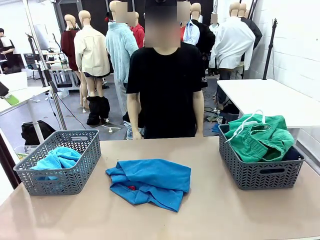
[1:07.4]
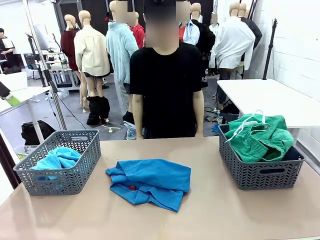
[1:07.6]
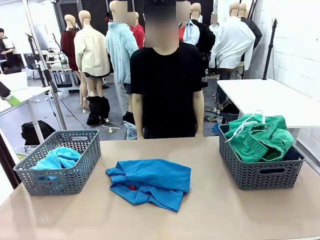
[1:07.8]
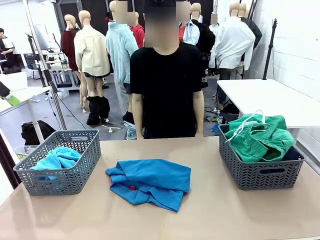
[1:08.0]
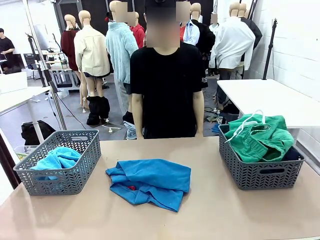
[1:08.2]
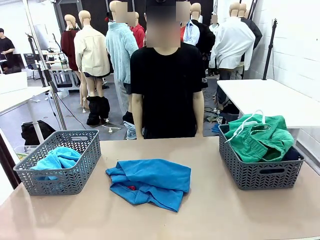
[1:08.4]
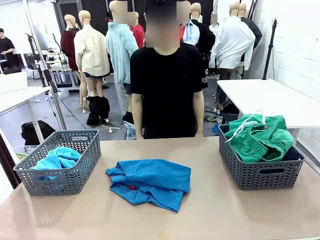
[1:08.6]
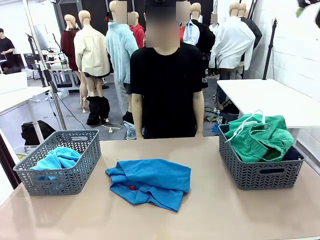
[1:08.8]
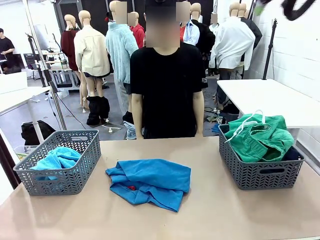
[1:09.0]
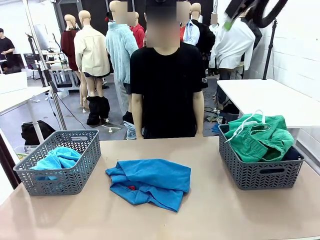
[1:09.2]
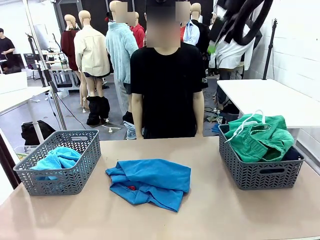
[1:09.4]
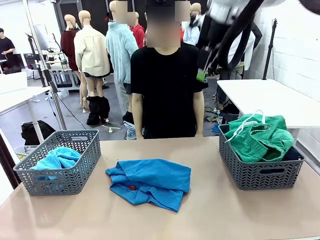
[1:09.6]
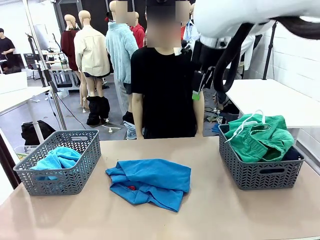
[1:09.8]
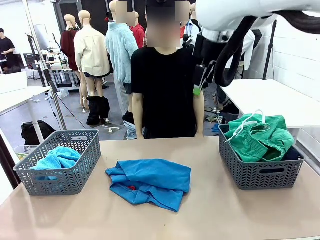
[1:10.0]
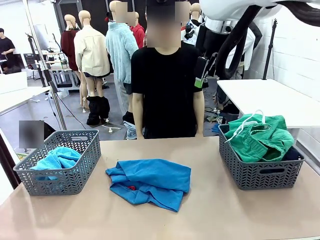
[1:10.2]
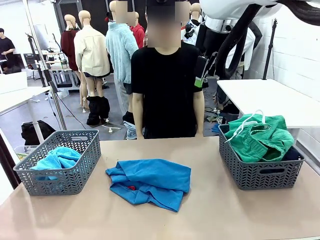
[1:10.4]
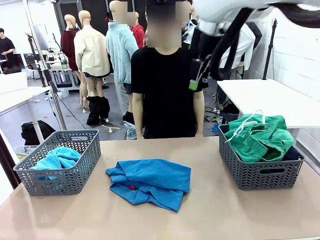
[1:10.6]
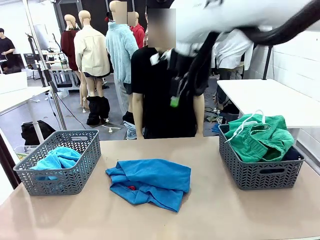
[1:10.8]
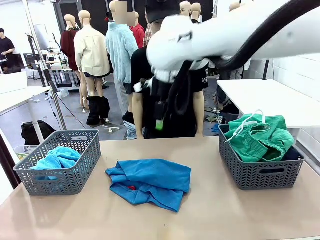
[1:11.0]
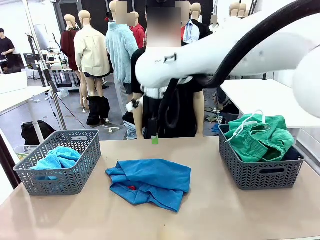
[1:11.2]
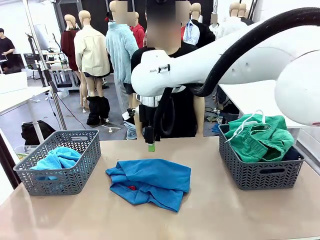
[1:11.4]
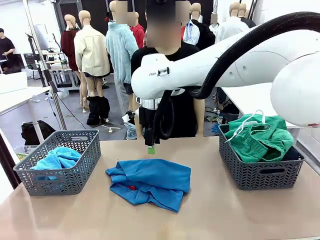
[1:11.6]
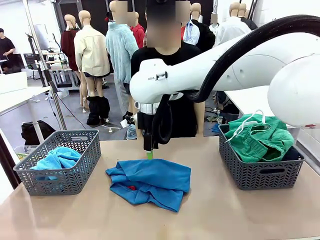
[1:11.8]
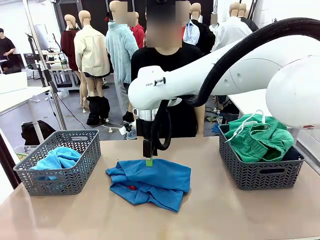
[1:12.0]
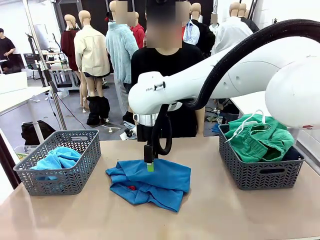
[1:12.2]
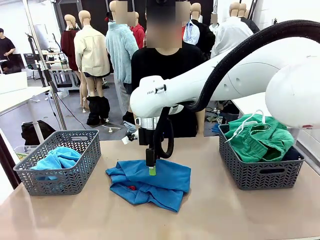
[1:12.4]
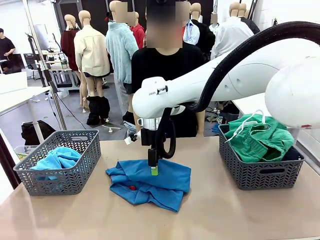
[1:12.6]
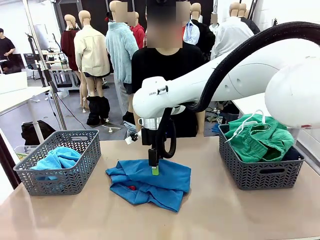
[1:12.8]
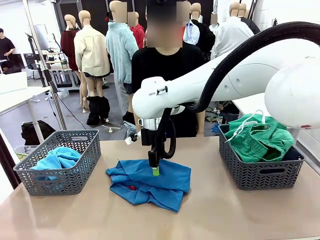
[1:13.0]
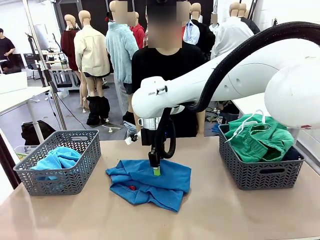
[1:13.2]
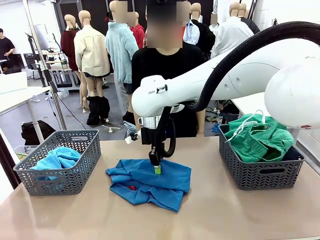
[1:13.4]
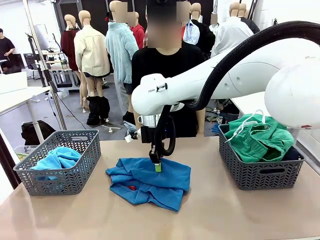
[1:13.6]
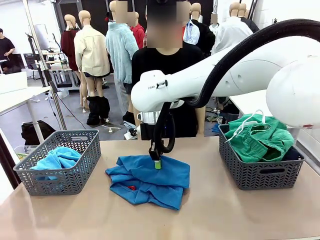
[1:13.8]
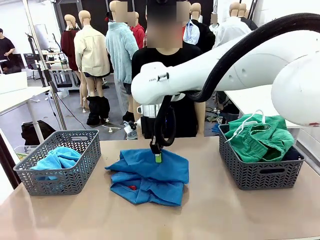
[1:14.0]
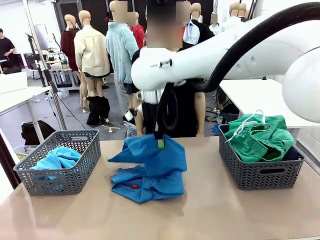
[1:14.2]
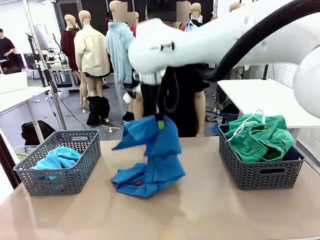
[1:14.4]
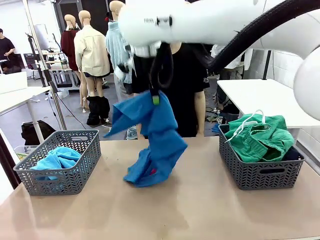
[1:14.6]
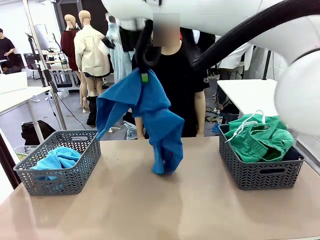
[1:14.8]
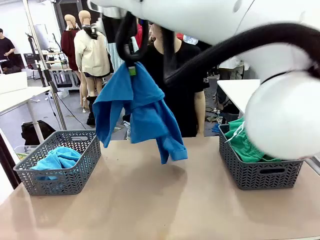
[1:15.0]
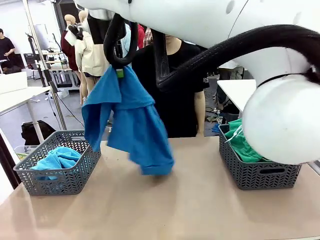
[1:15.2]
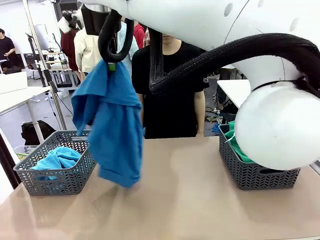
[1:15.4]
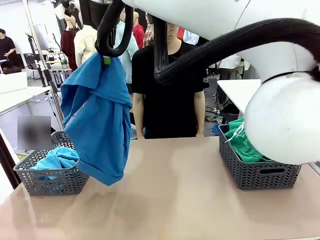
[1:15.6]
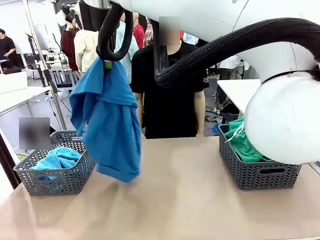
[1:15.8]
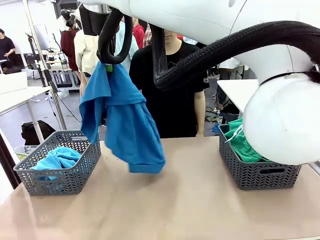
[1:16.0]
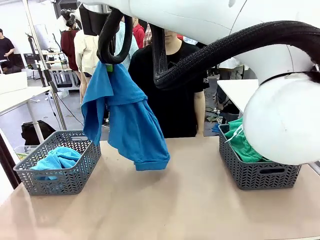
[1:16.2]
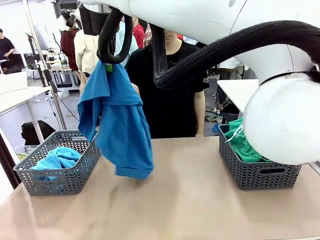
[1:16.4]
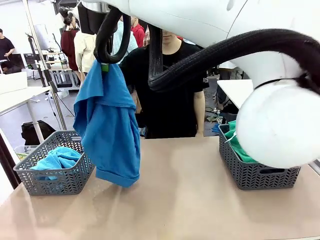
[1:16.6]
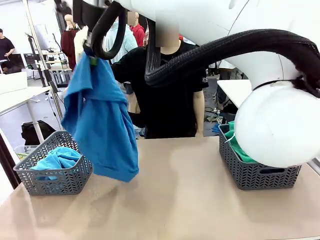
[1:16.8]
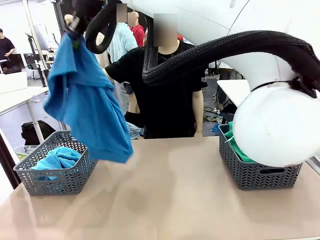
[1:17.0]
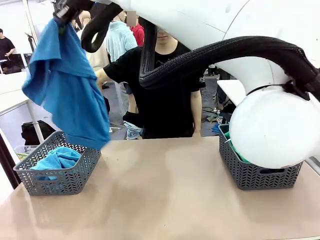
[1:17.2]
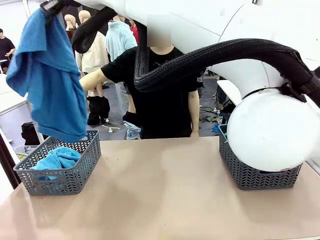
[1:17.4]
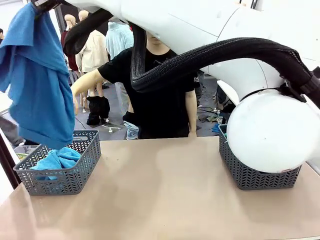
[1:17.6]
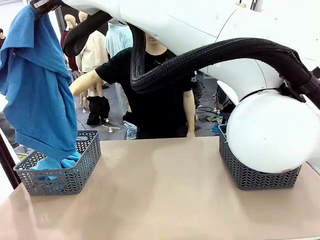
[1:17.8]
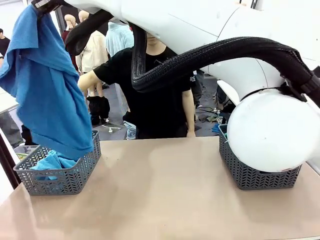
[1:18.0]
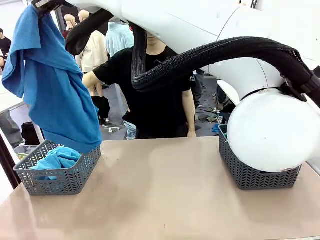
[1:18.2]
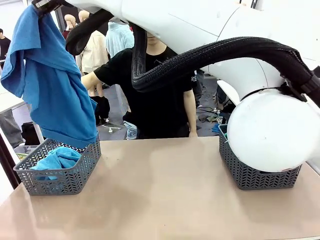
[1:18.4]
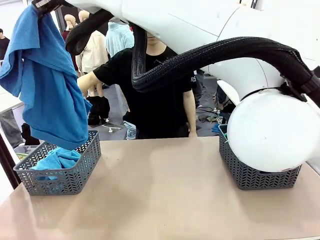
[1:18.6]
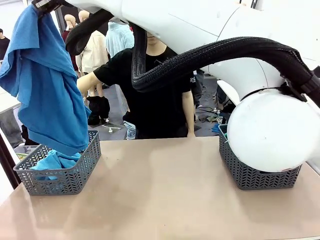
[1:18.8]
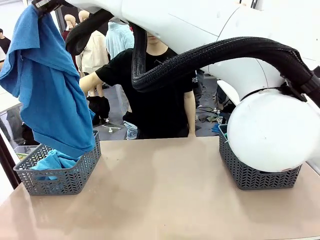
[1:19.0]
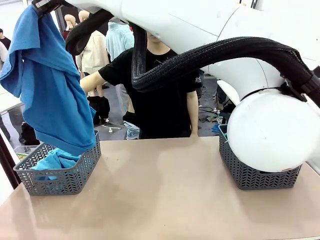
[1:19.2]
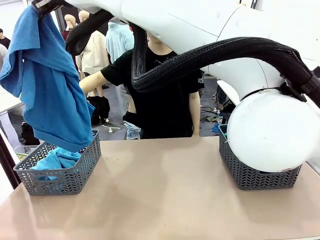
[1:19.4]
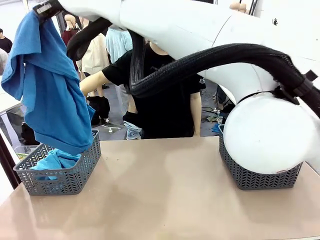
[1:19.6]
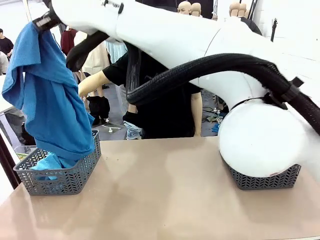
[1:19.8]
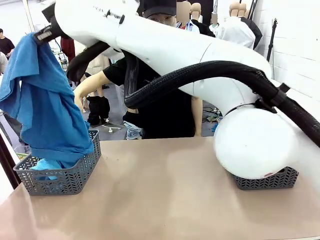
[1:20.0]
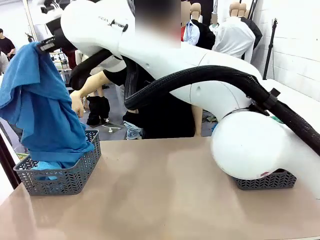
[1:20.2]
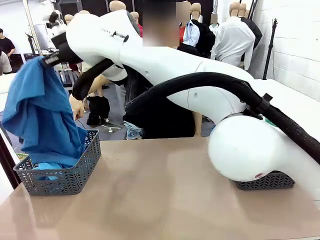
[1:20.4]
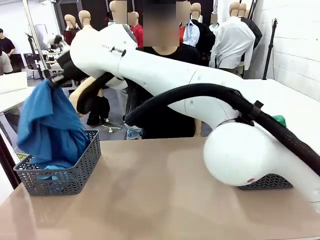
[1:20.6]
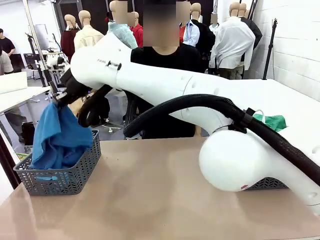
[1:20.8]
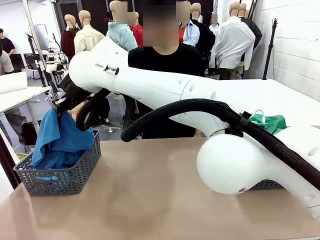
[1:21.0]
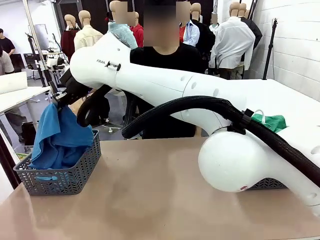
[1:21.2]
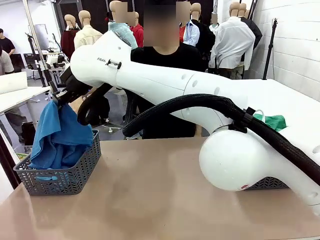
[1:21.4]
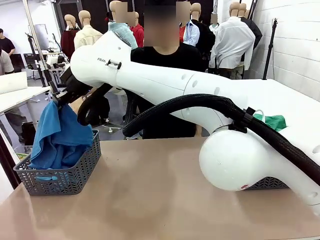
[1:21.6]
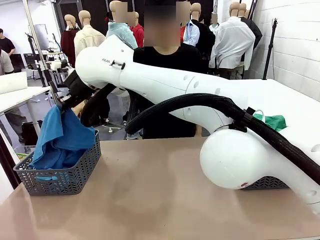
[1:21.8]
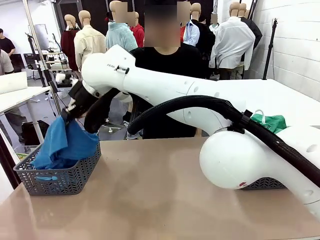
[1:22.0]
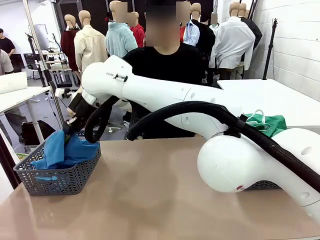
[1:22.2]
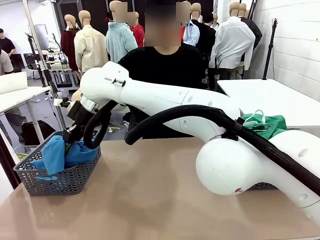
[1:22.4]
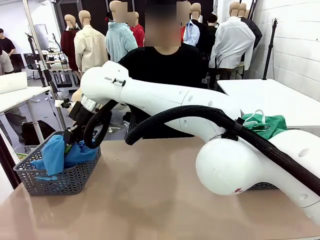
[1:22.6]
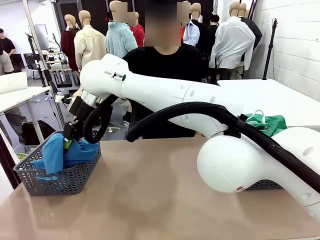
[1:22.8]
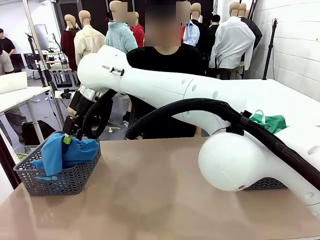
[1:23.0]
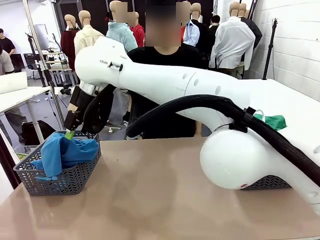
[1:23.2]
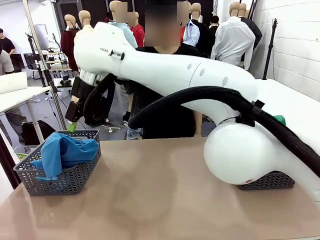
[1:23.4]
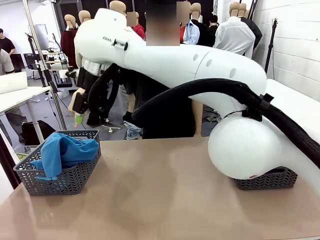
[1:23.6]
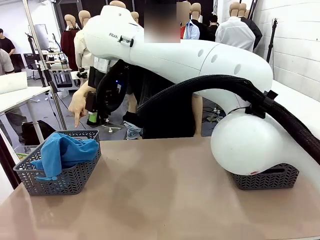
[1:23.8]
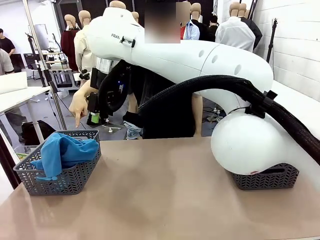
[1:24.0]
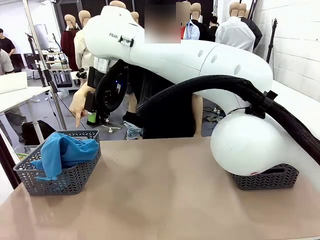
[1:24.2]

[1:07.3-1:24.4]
Task: Sort the tops and bottoms.
Robot: Lift clothes from the center of the table with your right hand.

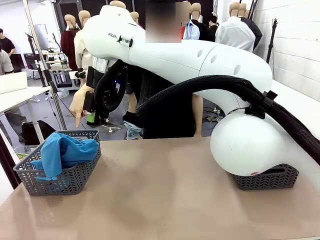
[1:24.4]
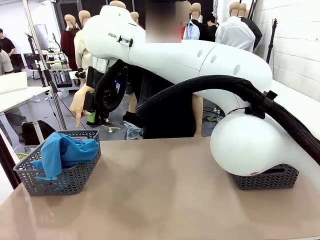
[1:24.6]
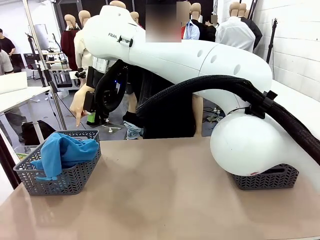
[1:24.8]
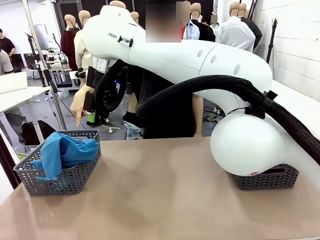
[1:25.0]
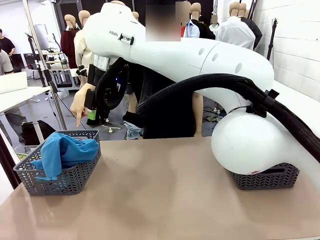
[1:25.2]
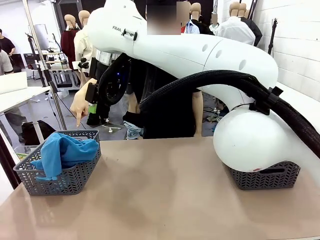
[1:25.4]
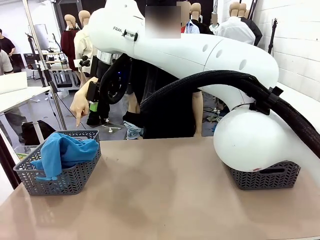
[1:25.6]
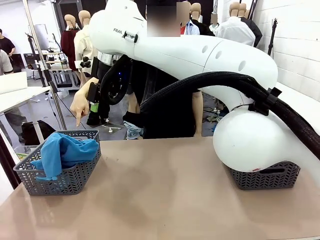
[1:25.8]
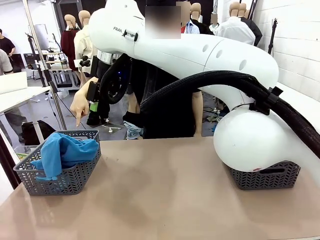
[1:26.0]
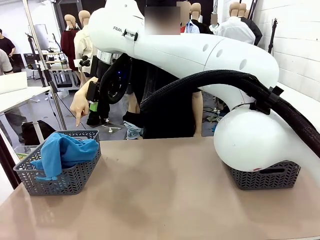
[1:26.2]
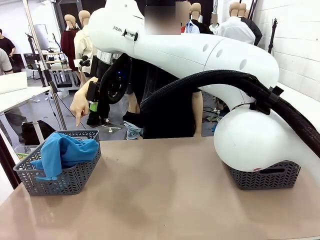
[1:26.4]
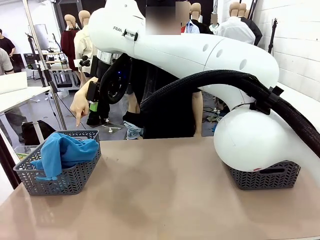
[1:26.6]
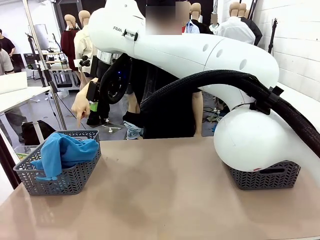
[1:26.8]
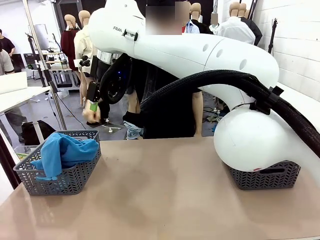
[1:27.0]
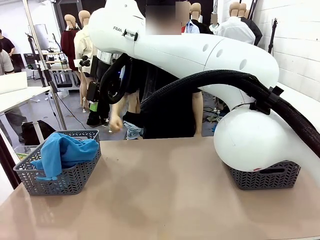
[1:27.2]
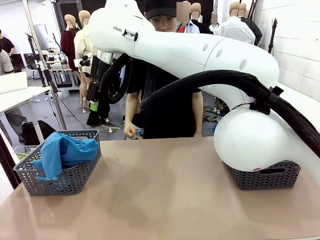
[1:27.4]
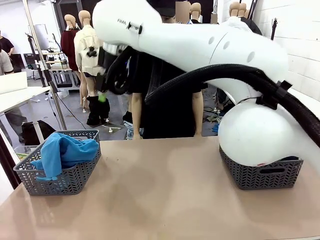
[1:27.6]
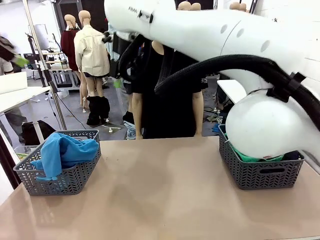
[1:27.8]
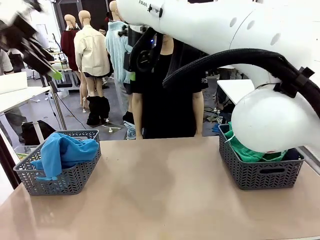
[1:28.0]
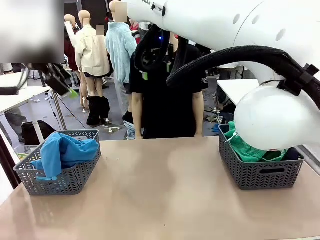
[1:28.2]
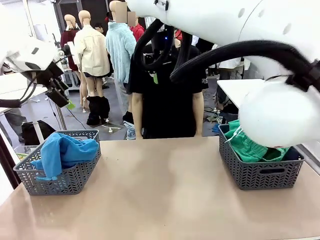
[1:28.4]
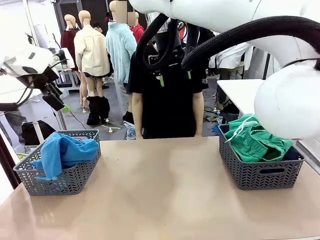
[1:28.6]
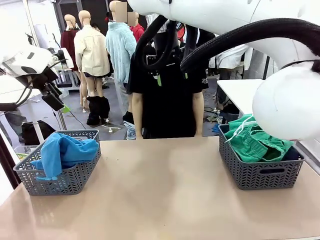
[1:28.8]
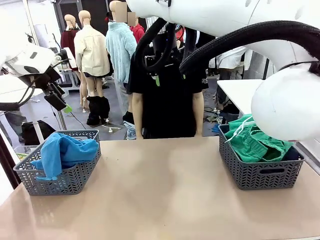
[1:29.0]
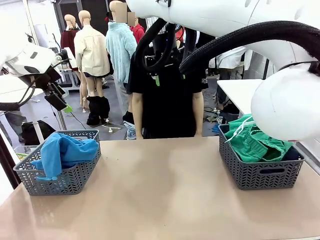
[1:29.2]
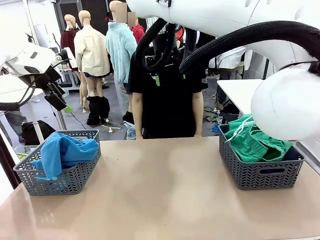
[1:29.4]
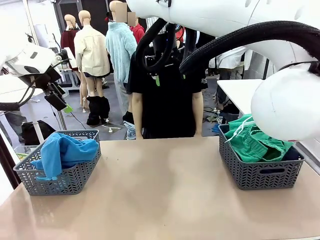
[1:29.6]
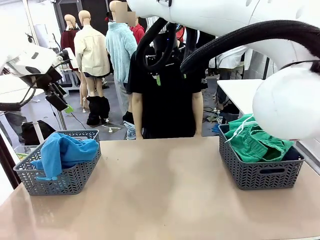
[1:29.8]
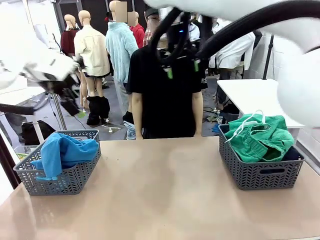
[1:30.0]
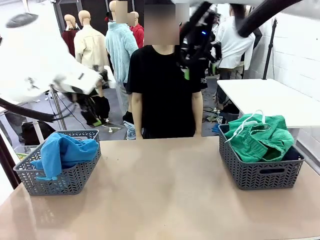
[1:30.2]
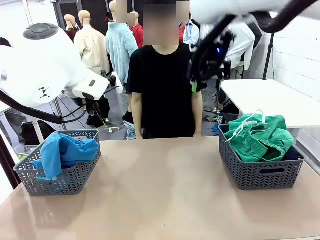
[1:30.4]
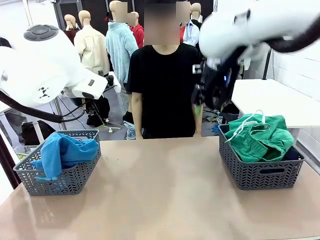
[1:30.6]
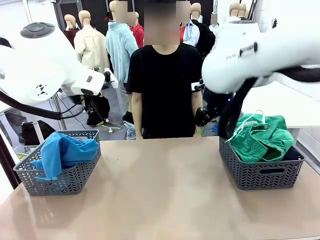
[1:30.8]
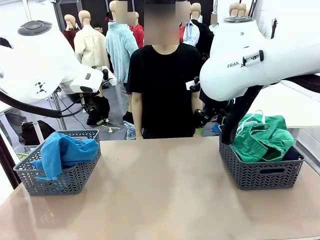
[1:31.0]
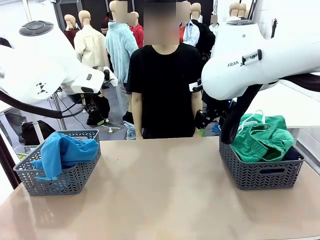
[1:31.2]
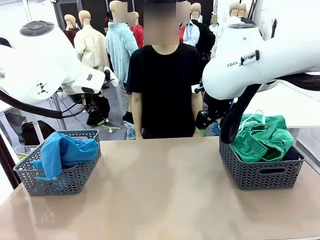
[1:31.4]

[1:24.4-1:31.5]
Robot: Sort the clothes according to human instructions.
